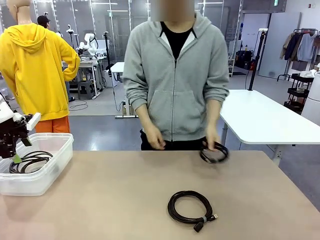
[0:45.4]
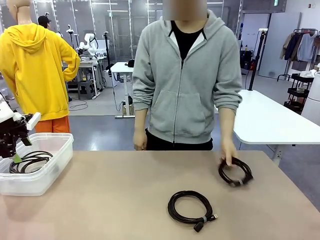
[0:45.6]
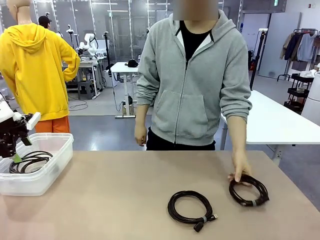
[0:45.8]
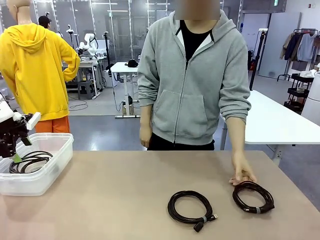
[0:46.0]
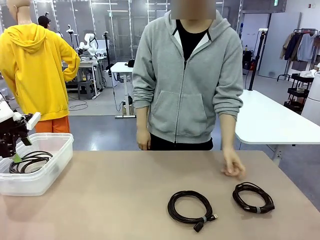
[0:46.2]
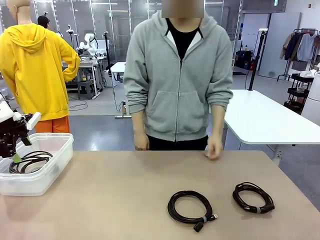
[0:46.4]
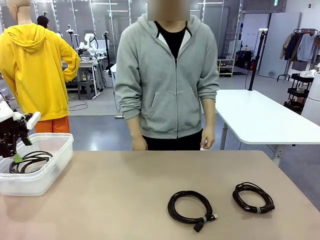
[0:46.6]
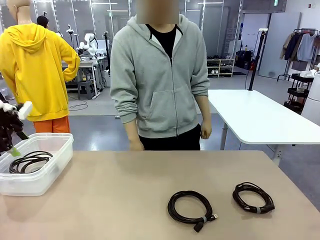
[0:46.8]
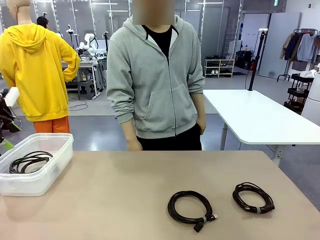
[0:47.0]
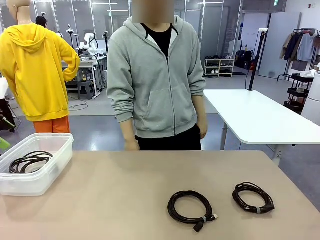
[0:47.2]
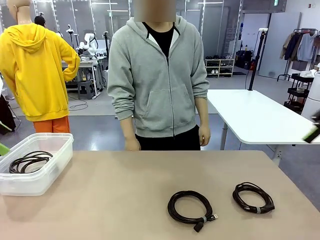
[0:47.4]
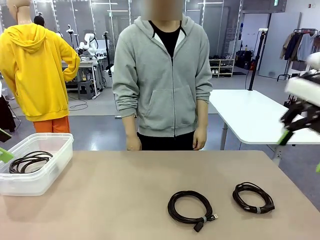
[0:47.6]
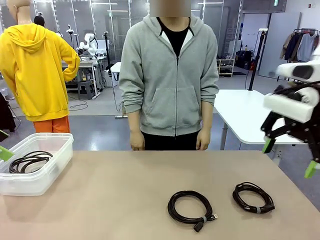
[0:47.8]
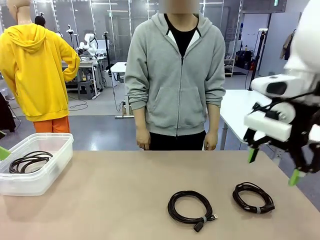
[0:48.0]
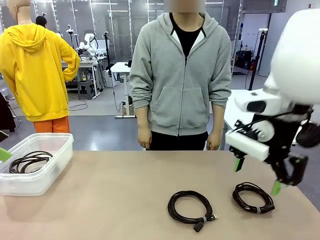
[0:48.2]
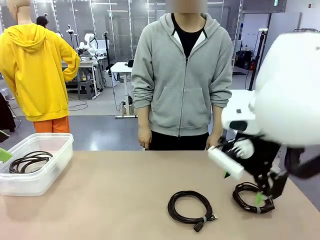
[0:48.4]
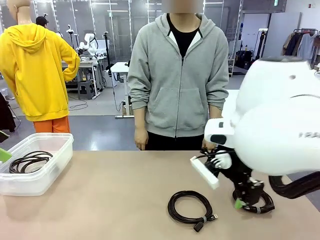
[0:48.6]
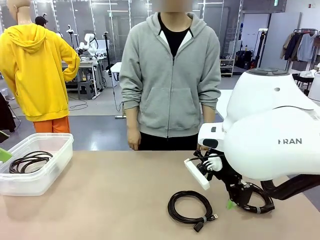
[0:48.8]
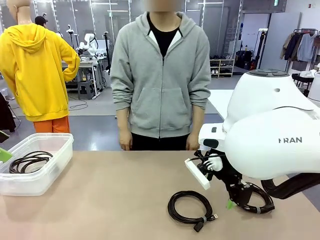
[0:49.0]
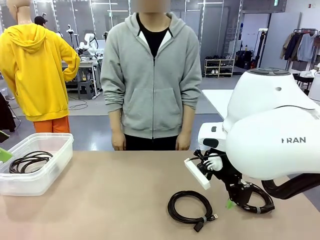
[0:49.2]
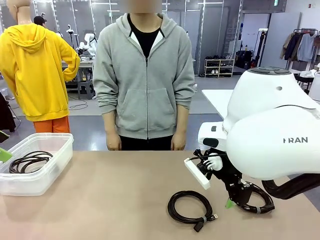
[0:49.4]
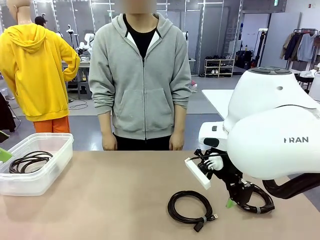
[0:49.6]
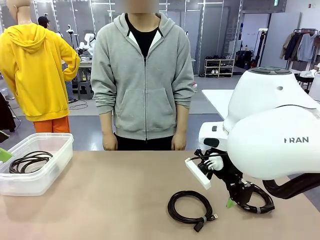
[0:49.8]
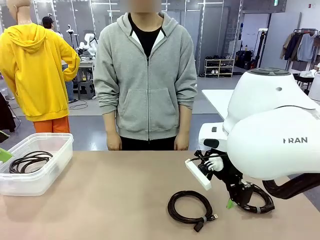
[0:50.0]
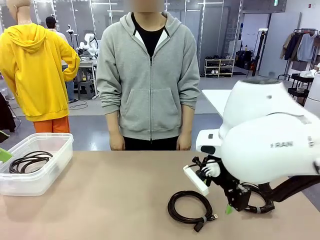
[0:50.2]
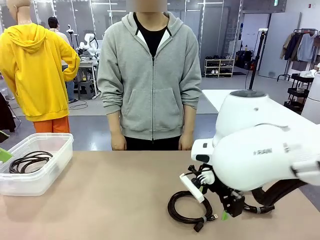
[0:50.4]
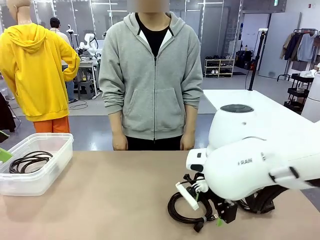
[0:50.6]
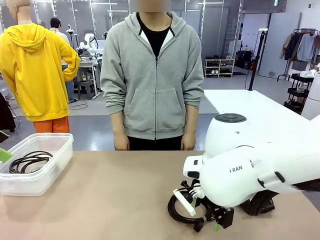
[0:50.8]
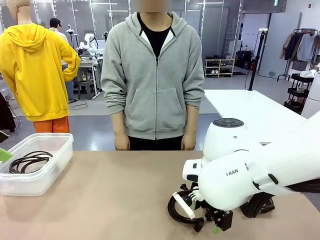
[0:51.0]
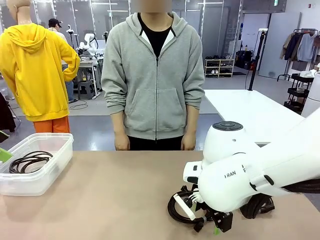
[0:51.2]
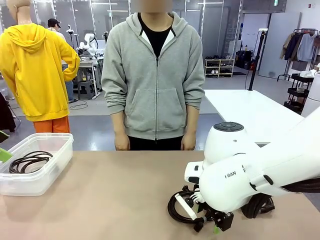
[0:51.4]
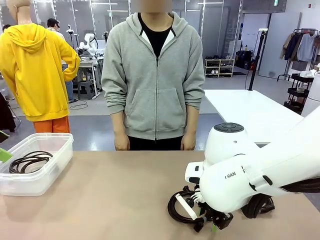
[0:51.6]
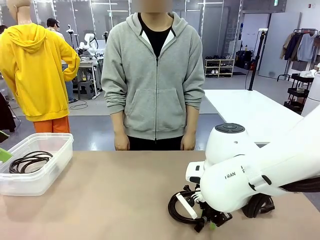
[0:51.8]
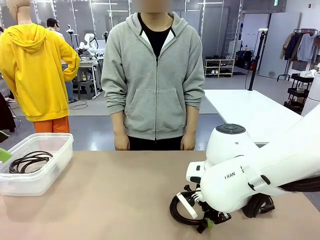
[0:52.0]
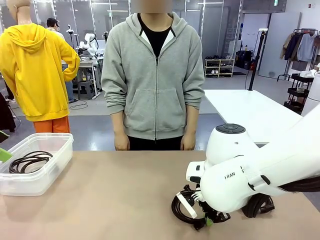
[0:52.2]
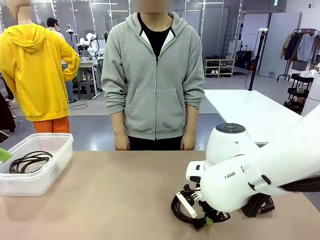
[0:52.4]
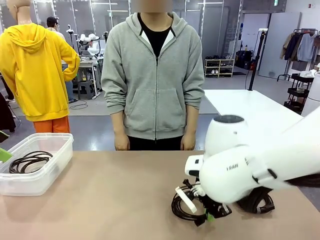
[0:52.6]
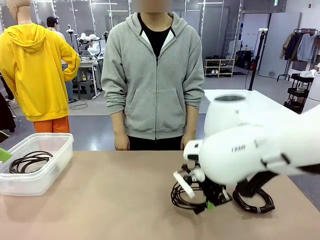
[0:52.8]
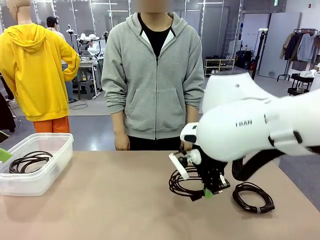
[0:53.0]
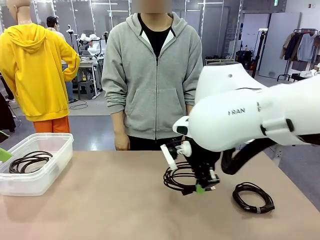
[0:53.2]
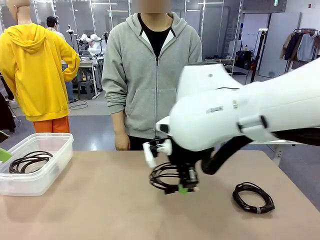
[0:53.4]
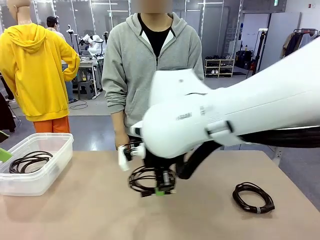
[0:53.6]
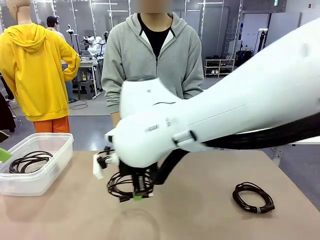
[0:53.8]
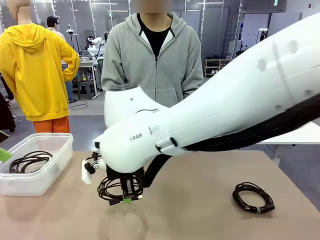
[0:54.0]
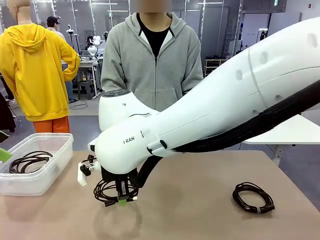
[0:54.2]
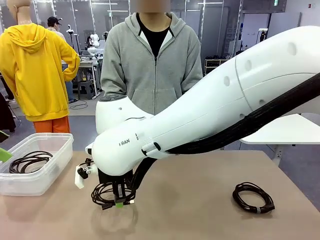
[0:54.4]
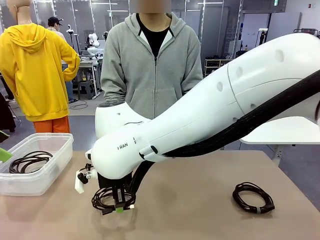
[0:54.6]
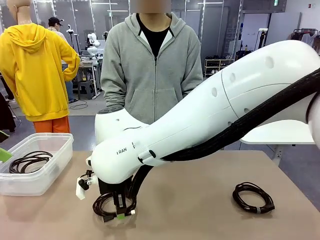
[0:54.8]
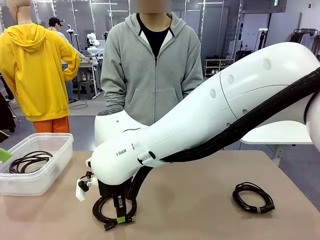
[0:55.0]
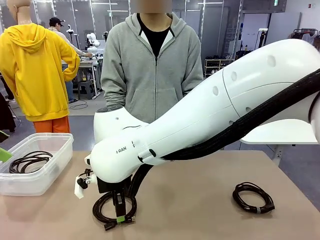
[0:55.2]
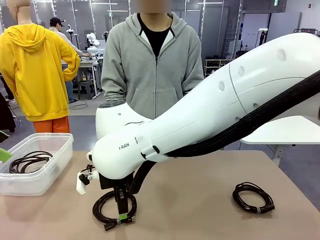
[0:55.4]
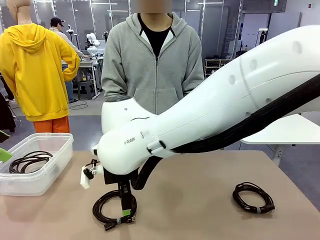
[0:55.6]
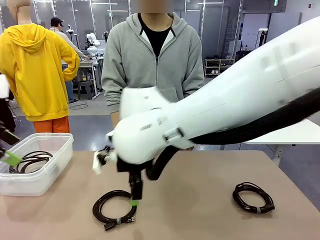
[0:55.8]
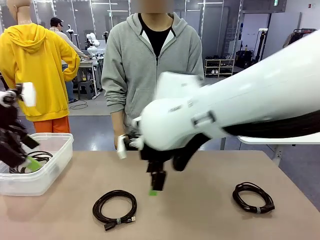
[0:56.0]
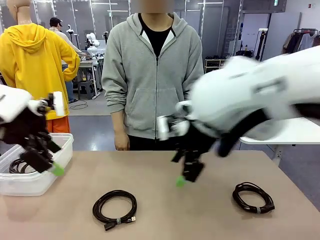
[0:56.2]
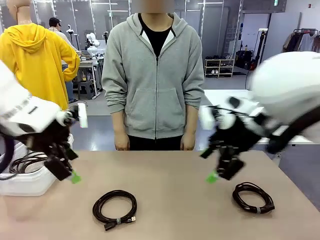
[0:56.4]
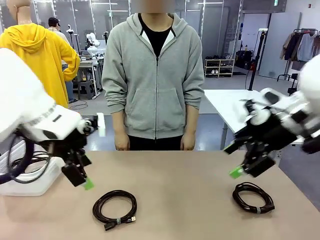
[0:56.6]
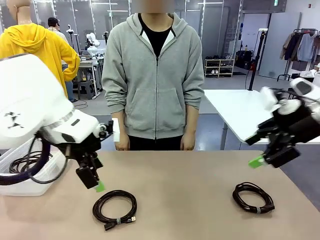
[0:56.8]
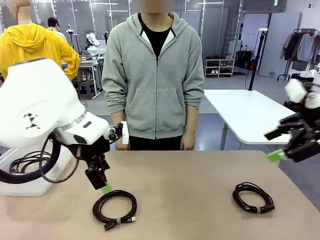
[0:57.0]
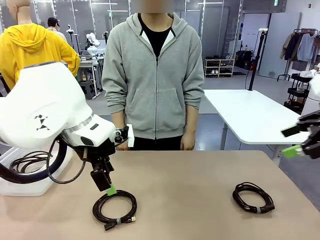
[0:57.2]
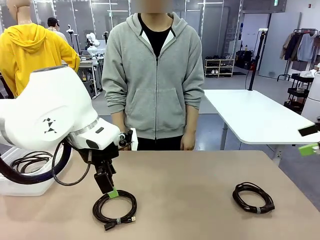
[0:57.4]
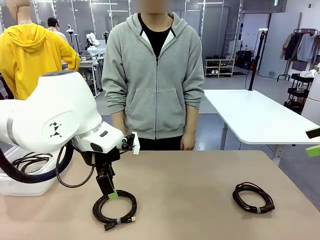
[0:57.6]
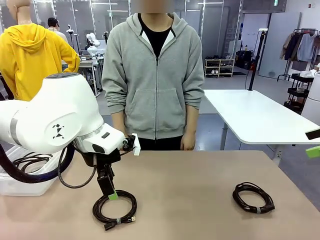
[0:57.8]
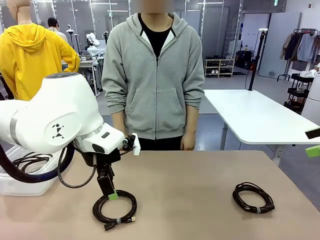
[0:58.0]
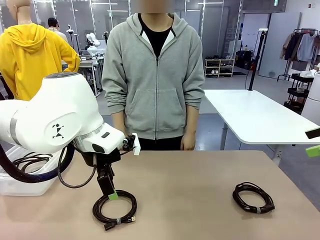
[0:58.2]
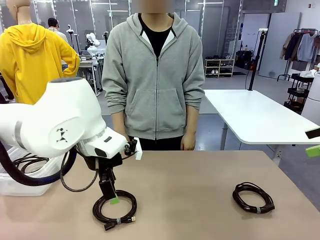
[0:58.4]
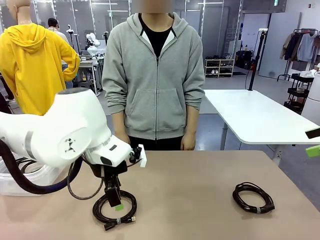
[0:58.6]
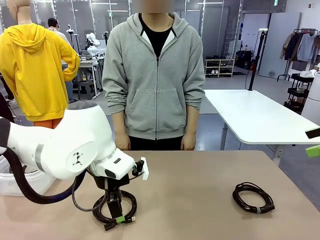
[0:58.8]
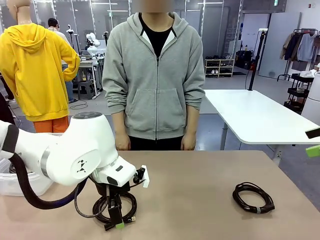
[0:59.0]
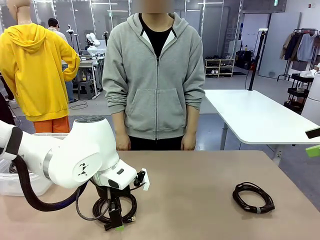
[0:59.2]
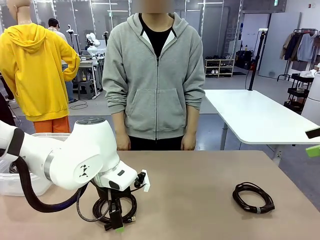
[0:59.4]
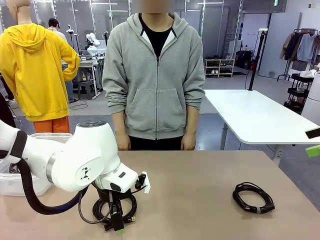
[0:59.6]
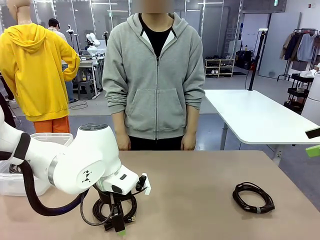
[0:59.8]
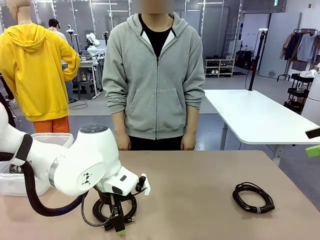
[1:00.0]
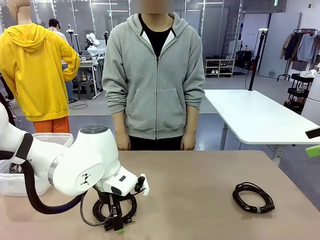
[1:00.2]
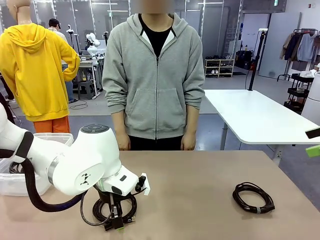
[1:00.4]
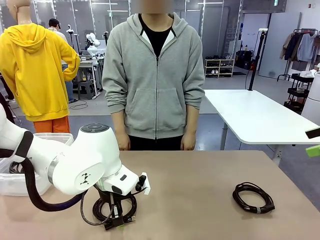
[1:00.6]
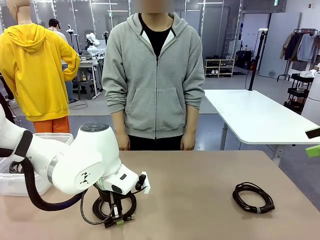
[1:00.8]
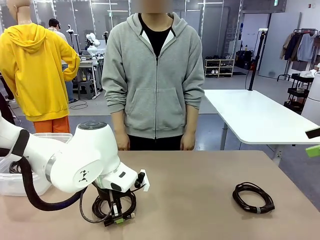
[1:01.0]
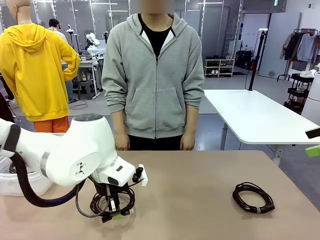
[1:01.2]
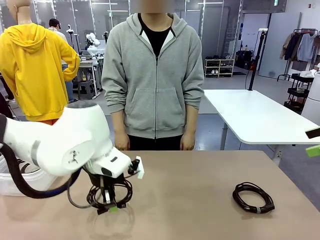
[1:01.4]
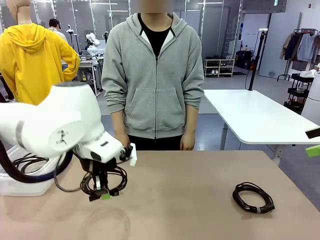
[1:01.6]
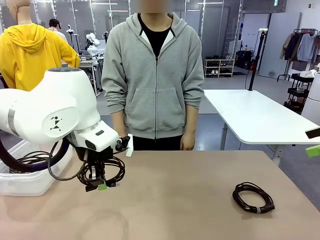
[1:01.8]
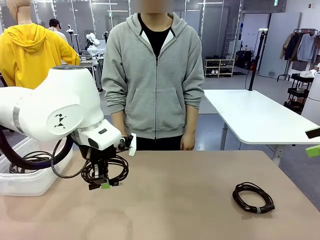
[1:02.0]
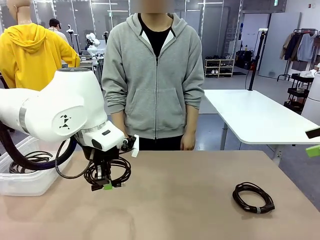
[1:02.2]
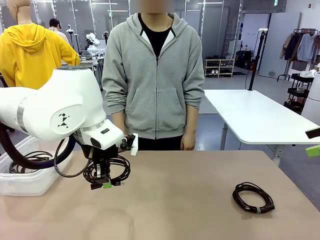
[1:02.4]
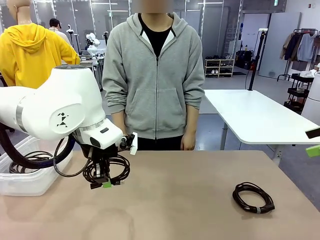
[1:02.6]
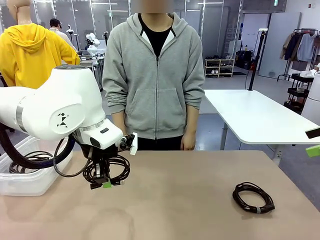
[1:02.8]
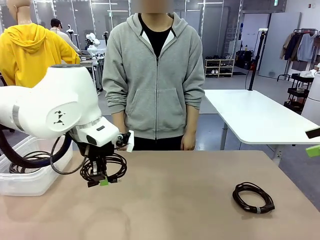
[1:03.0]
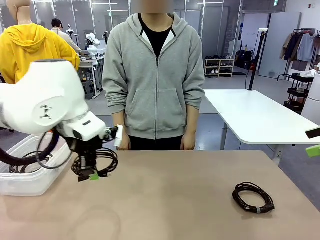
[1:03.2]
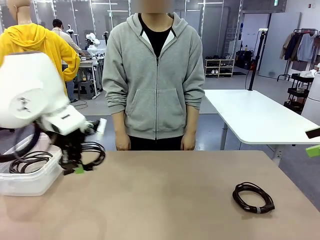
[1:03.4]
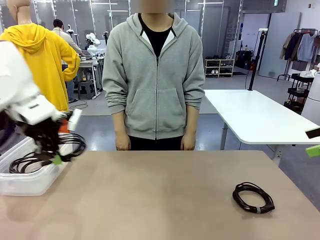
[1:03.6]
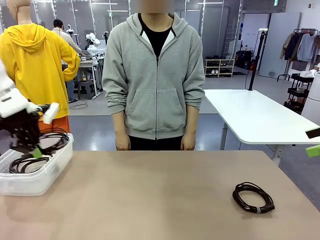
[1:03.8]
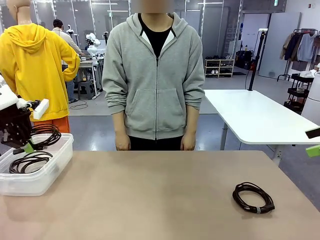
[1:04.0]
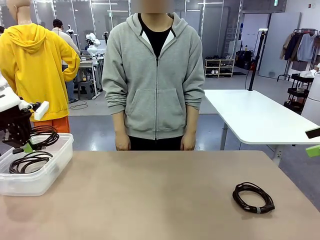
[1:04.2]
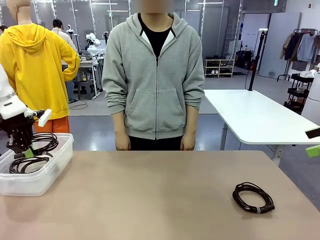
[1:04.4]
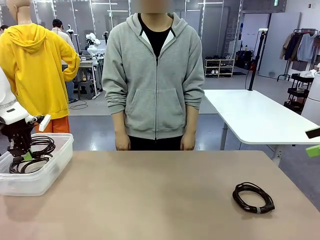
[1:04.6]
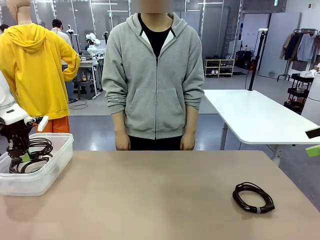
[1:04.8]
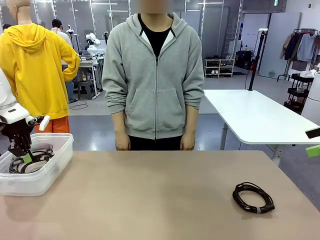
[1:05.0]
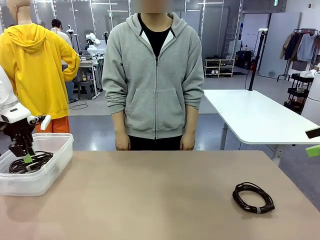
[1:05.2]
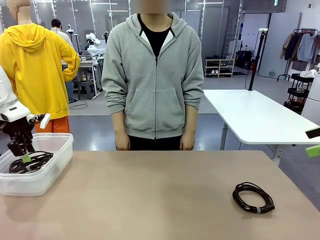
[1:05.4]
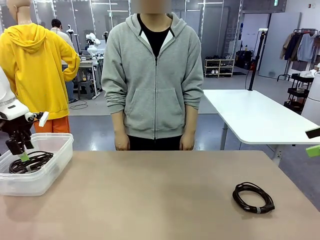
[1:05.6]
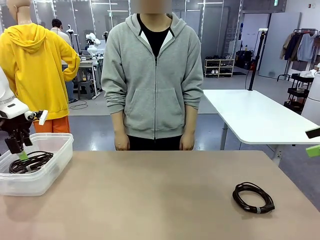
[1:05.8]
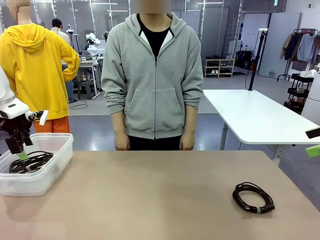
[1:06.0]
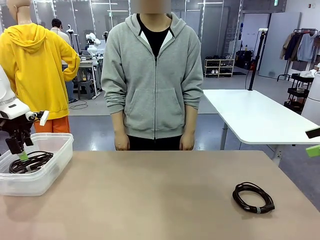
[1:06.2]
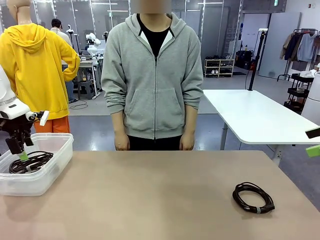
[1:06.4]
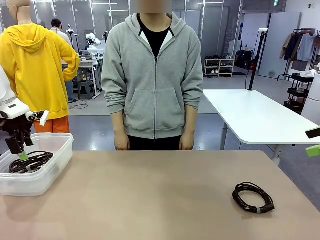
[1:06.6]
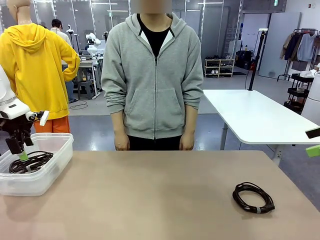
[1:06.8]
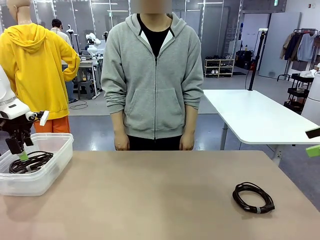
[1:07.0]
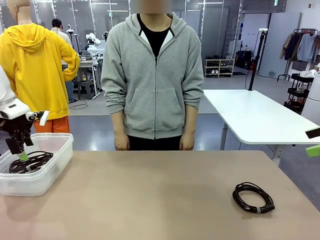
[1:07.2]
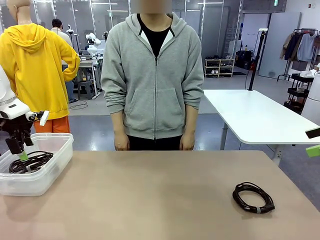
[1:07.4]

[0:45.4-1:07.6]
Task: Organize and store the cables.
Robot: Place the USB Extension Cable into the Organizing box.
